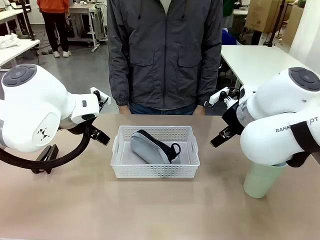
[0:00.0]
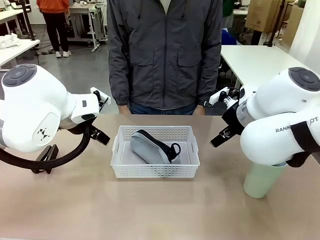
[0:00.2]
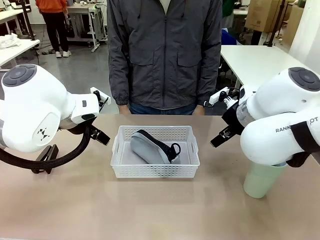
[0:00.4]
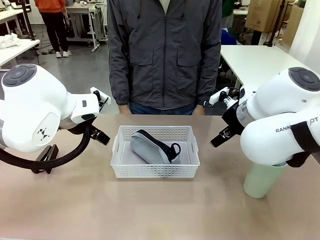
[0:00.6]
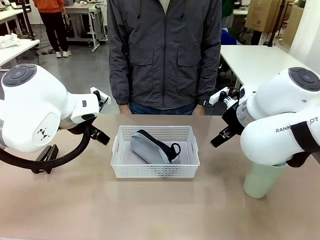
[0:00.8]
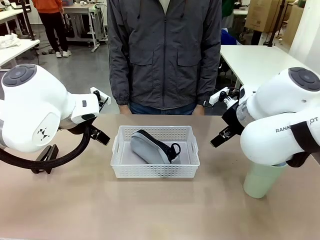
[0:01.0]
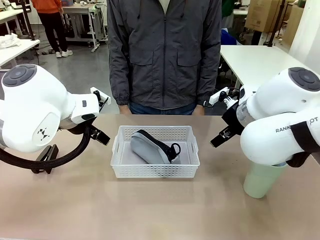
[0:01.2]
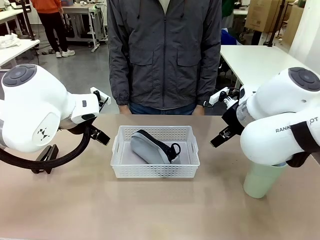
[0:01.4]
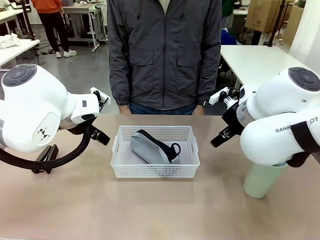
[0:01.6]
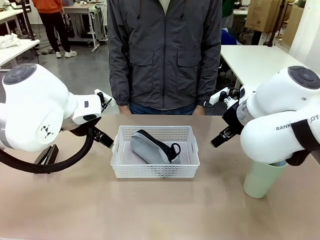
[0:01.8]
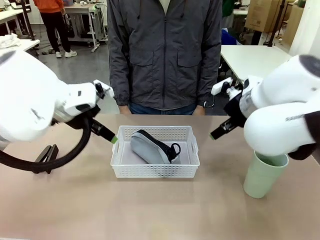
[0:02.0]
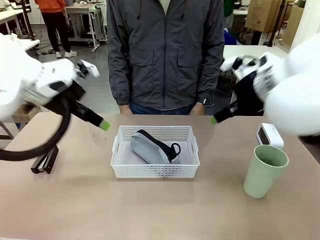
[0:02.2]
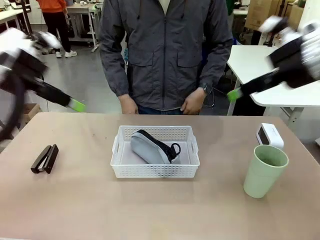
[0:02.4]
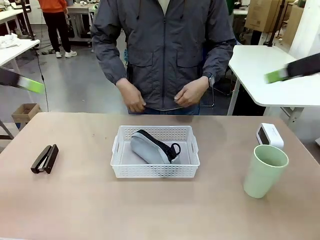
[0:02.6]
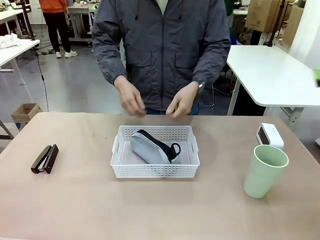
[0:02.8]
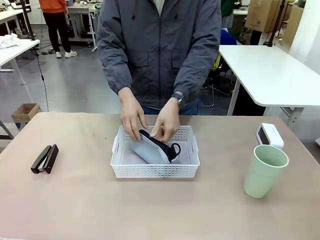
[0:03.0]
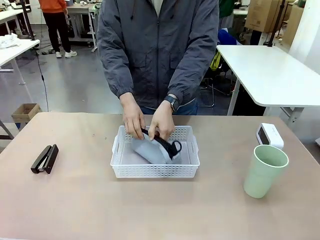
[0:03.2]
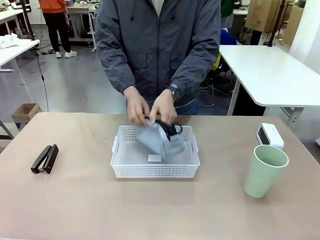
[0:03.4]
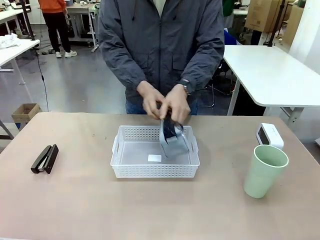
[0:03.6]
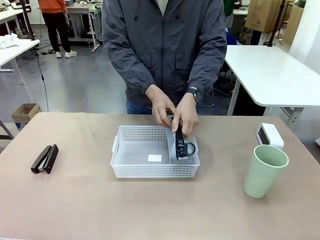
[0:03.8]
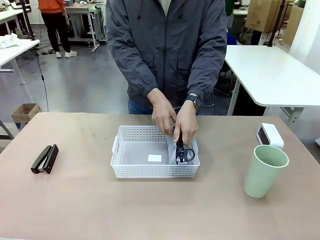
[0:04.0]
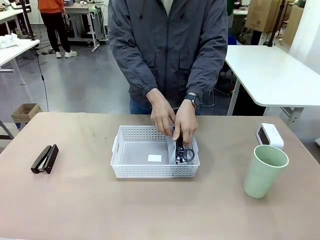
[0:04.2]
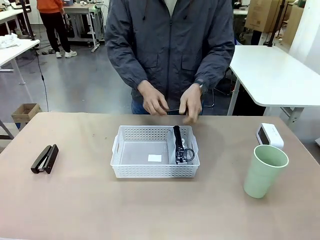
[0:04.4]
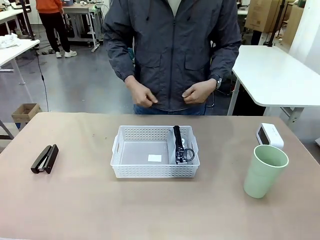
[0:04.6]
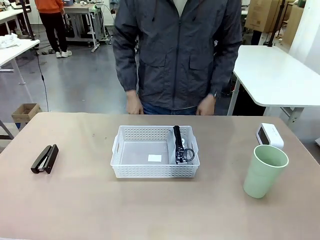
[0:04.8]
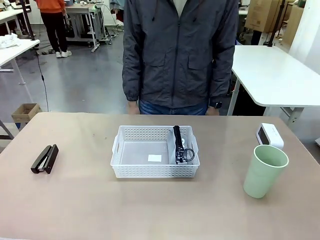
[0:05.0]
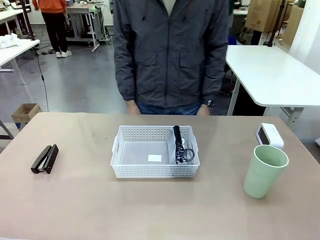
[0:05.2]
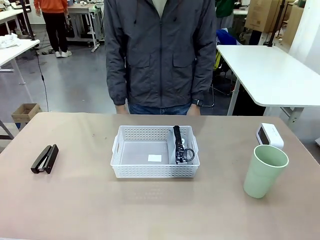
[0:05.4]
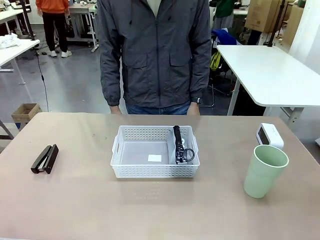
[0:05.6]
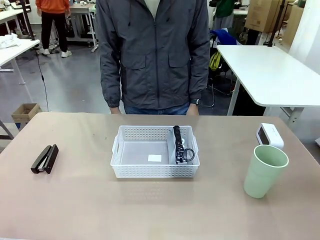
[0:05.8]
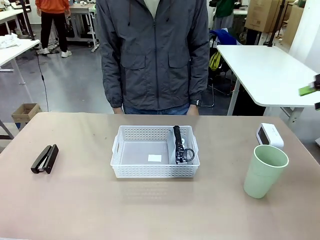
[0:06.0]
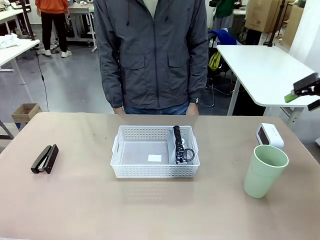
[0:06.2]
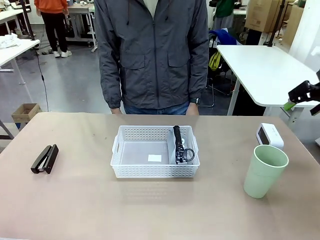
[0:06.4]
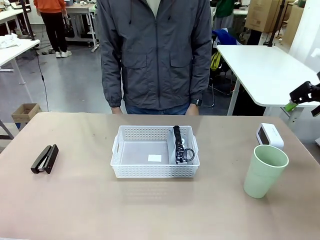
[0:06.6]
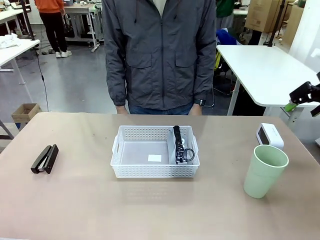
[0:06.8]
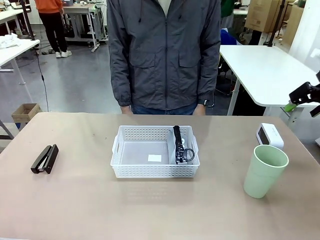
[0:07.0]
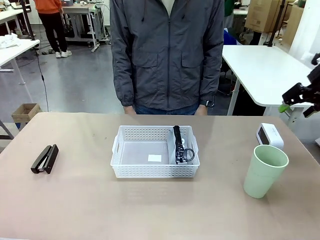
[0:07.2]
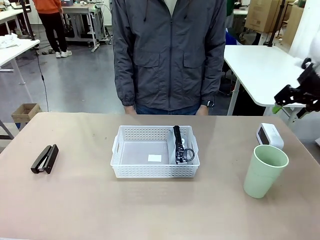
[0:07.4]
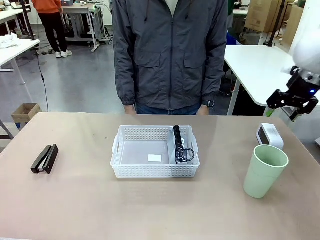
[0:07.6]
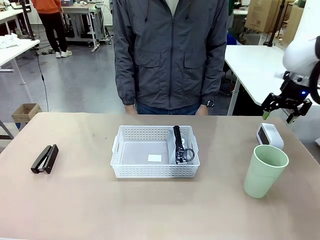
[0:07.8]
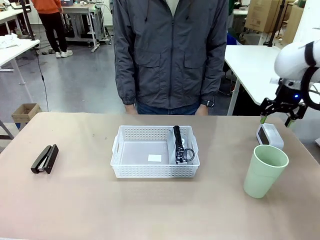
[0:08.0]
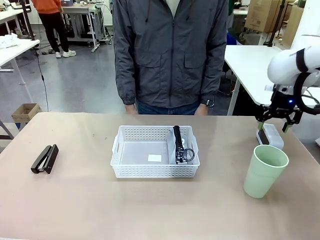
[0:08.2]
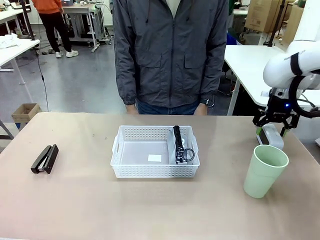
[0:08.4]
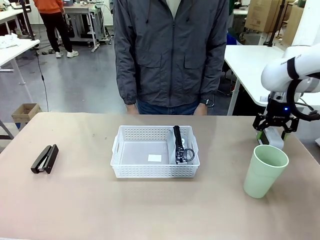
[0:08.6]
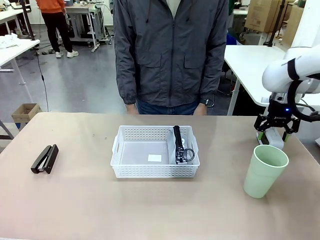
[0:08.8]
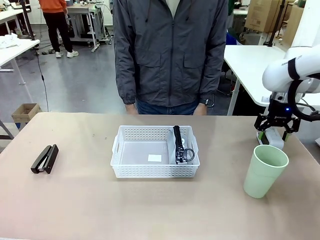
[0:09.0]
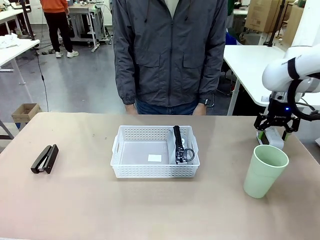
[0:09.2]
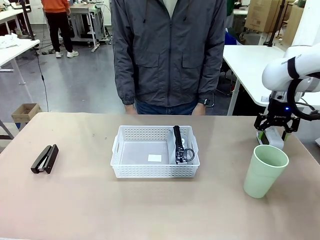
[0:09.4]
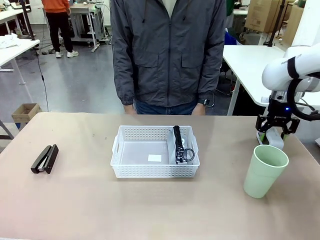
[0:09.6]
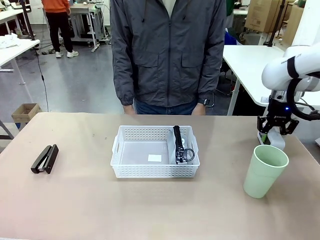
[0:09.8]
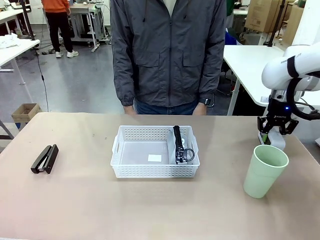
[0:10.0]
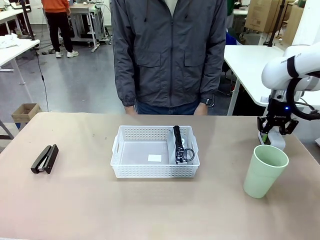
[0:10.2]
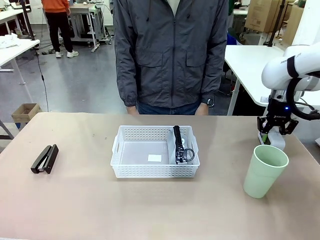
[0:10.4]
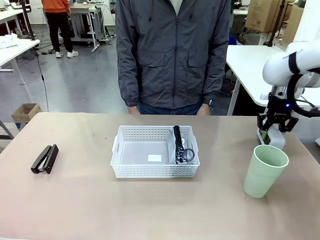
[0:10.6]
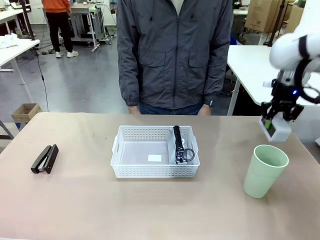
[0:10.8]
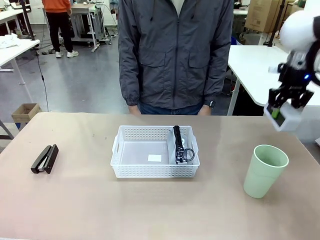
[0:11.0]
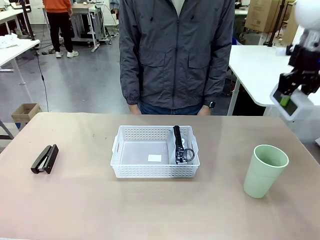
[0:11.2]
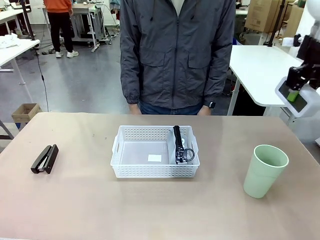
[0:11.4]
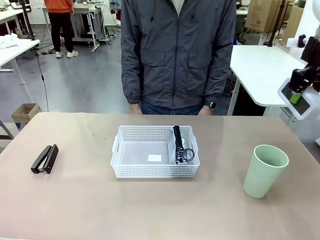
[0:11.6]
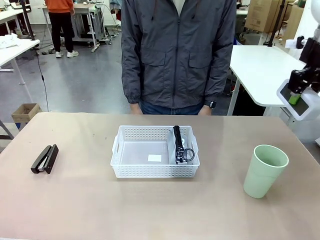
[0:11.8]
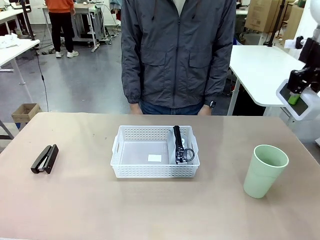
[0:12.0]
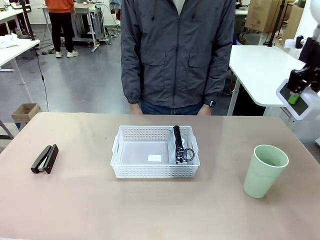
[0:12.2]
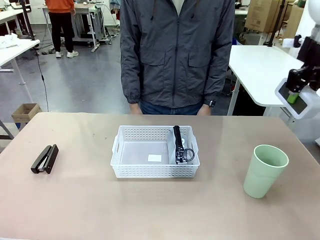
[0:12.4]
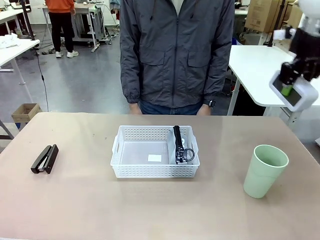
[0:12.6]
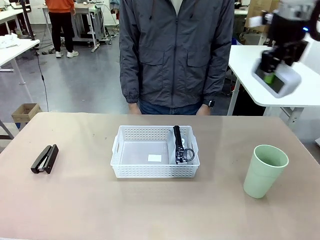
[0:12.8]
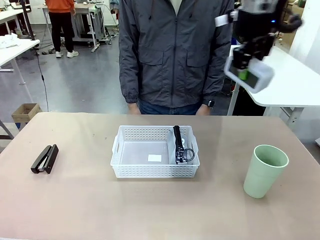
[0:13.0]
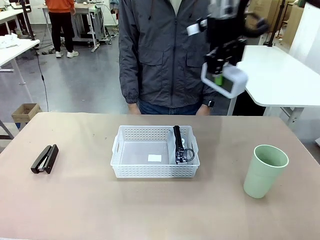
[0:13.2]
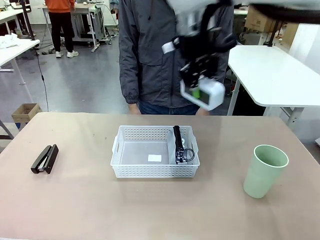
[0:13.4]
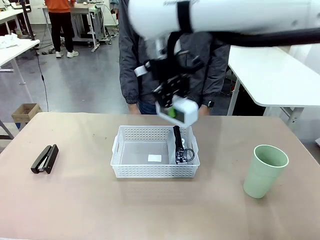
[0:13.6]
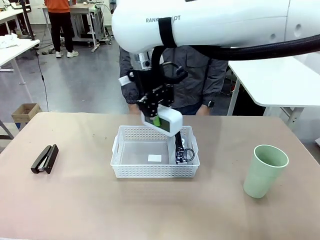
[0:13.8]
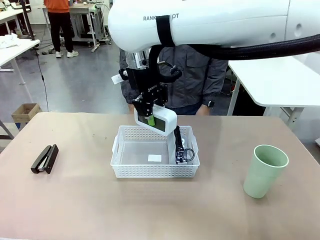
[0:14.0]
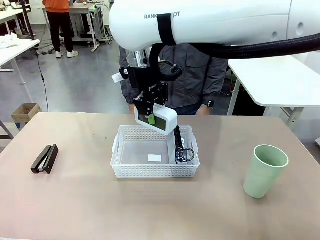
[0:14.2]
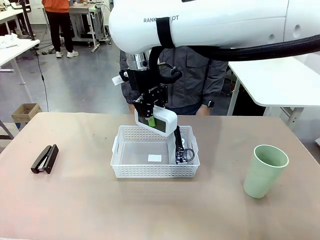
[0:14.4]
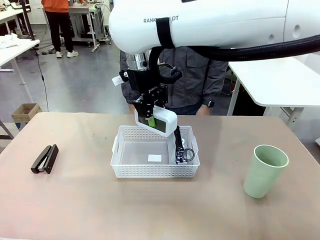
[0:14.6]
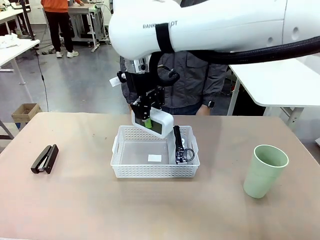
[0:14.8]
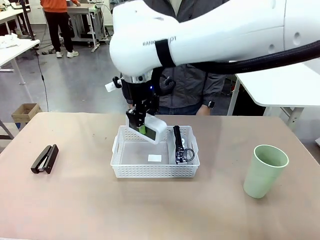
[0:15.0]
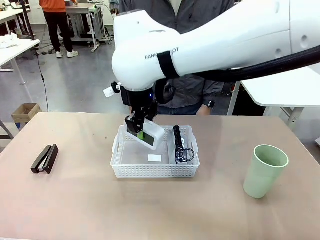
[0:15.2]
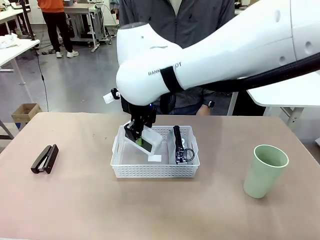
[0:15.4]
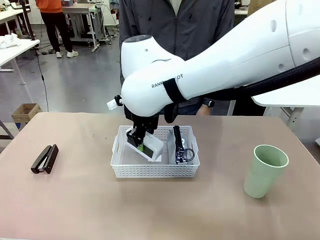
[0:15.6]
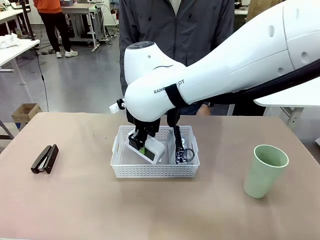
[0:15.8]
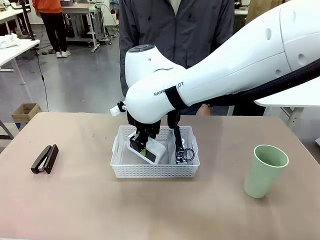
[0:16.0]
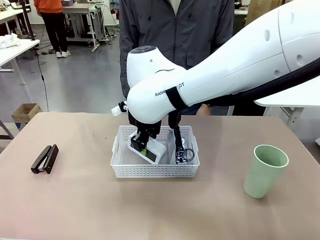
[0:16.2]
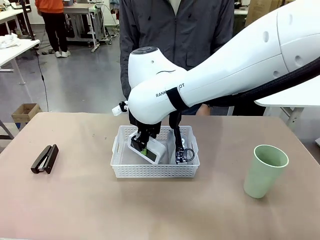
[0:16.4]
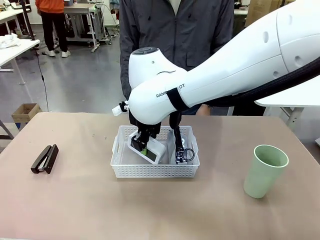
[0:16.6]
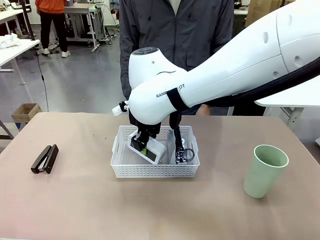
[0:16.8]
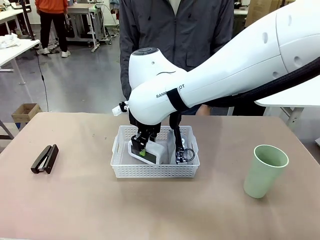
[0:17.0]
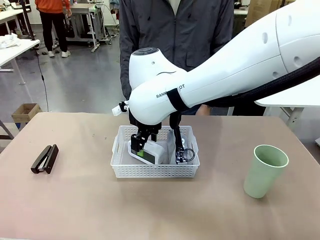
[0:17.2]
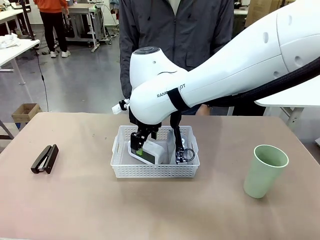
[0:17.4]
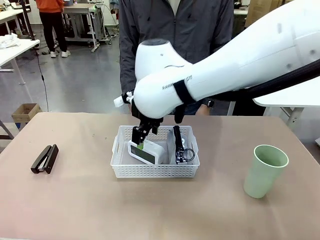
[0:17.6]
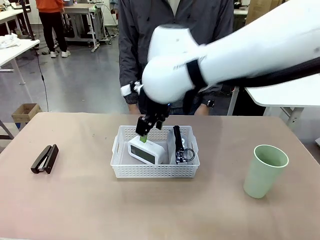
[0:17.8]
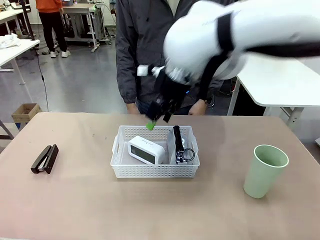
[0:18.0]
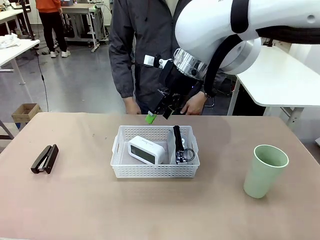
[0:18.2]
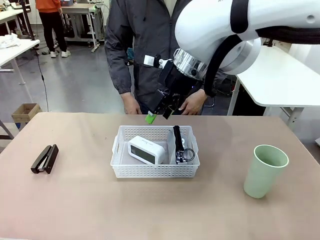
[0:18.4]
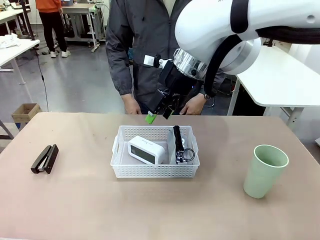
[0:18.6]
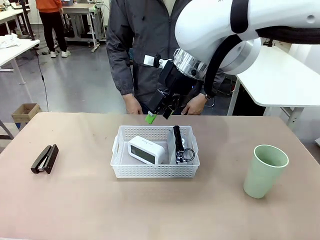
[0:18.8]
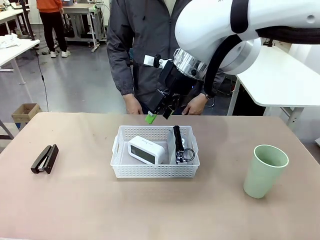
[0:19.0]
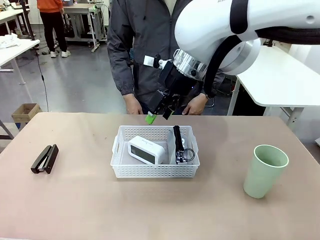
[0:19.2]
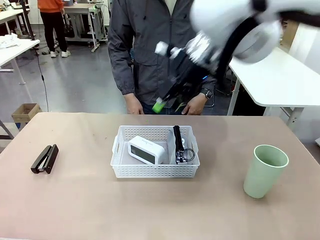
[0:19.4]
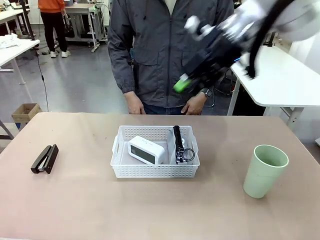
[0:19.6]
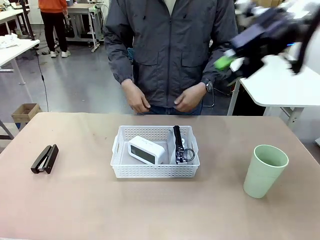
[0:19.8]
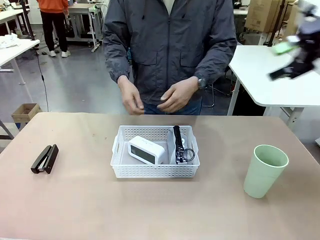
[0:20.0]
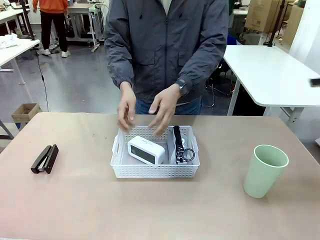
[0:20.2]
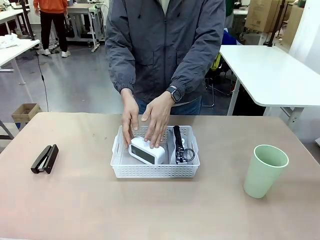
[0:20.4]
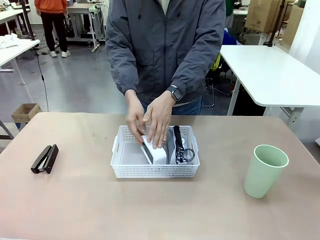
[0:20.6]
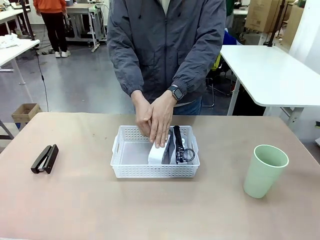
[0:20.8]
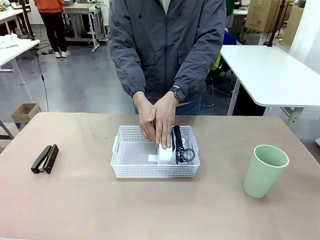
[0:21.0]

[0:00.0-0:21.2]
Task: Efficiently arrange items inside the basket to fit them all.
Robot: Pick up the Digital clock and place it inside the Organizing basket.
Person: Repositions the pencil case. Repositions the digital clock.
